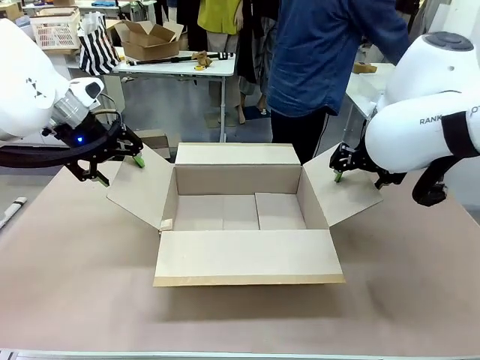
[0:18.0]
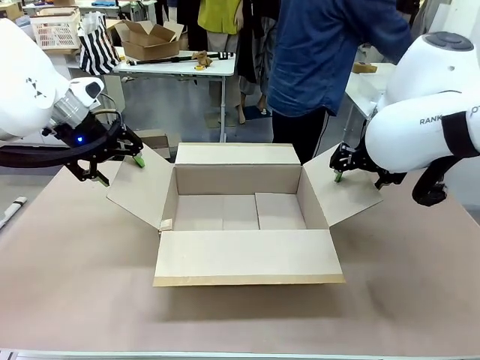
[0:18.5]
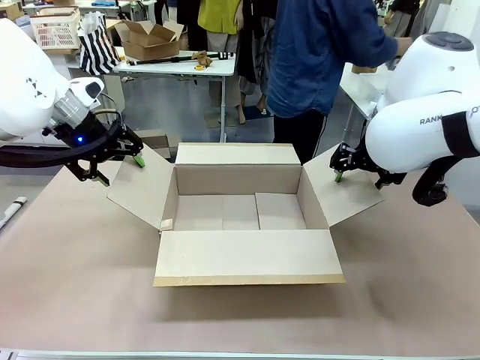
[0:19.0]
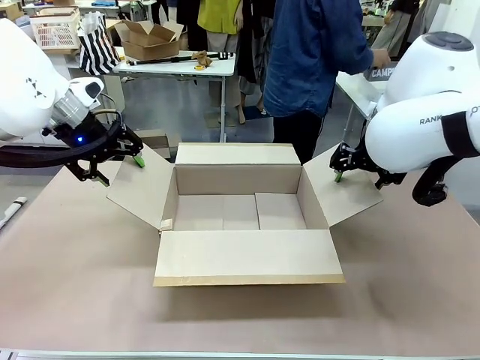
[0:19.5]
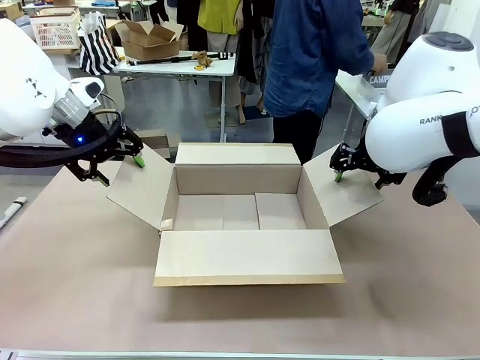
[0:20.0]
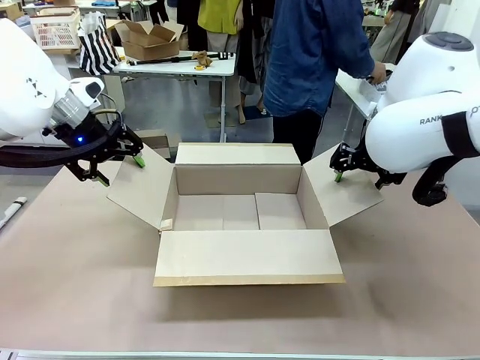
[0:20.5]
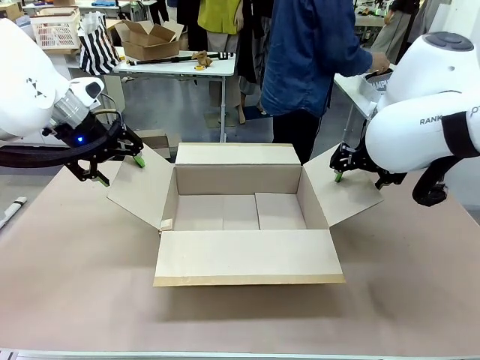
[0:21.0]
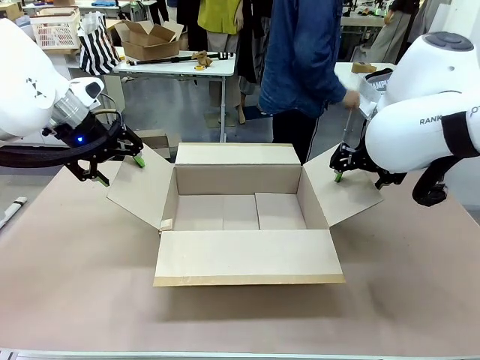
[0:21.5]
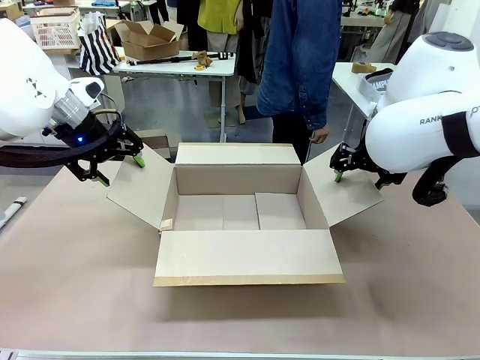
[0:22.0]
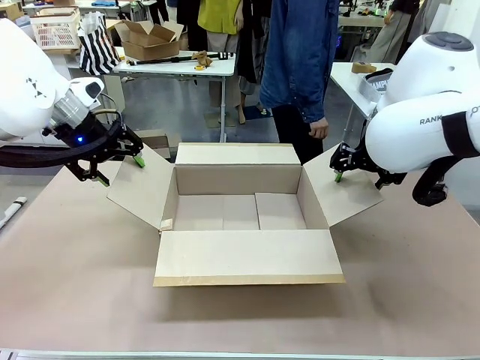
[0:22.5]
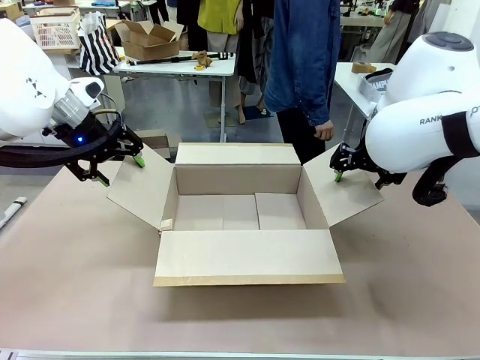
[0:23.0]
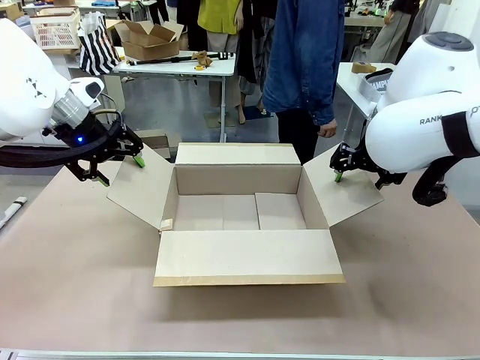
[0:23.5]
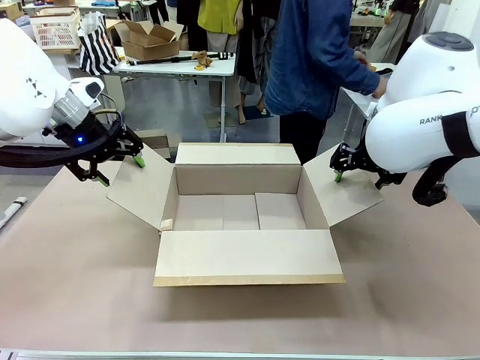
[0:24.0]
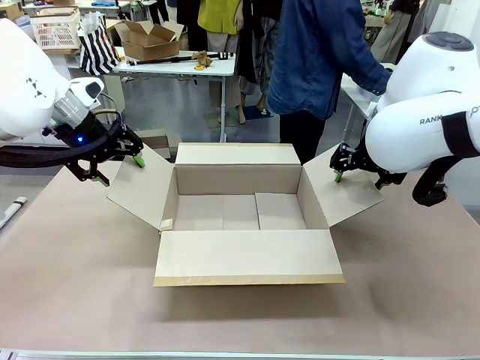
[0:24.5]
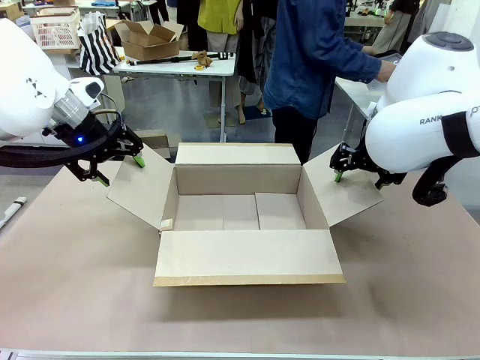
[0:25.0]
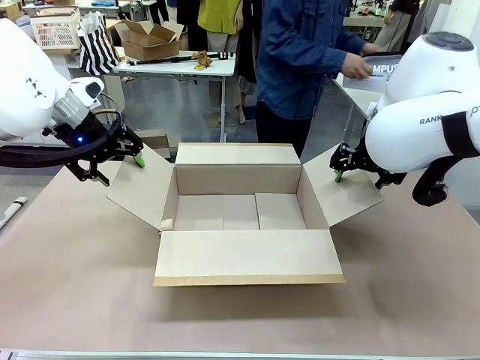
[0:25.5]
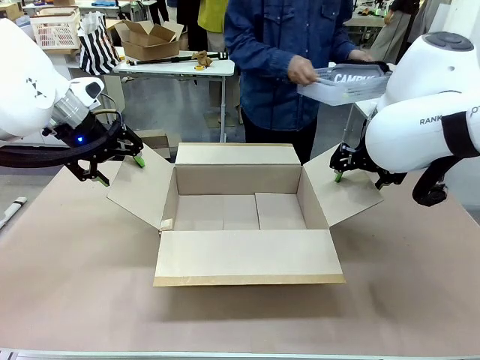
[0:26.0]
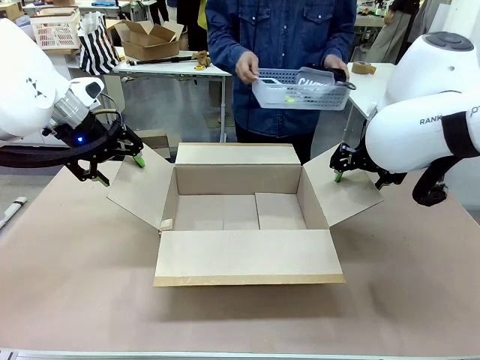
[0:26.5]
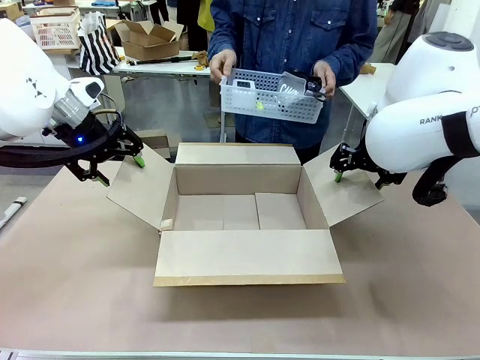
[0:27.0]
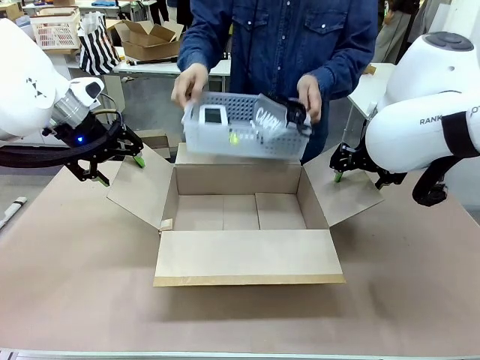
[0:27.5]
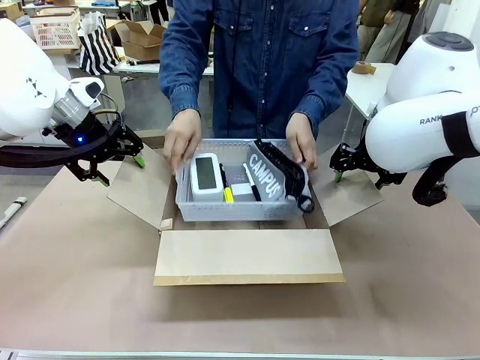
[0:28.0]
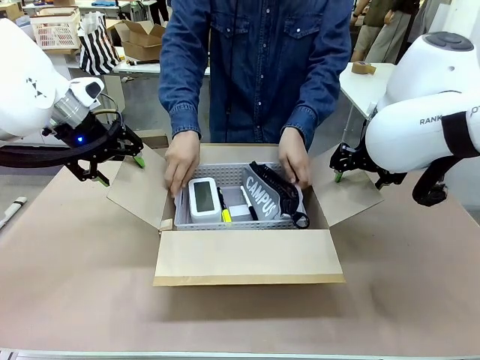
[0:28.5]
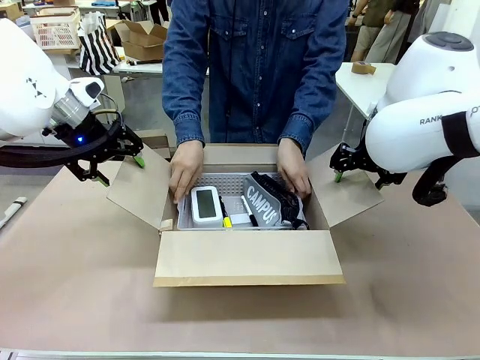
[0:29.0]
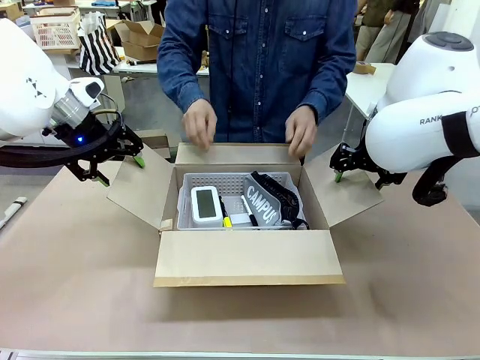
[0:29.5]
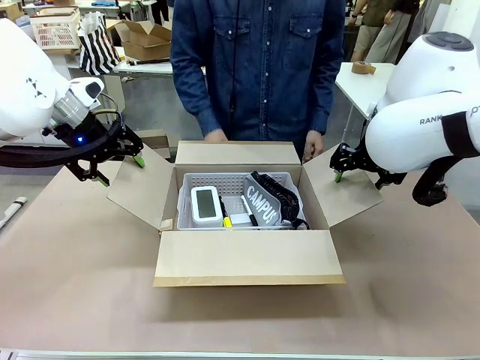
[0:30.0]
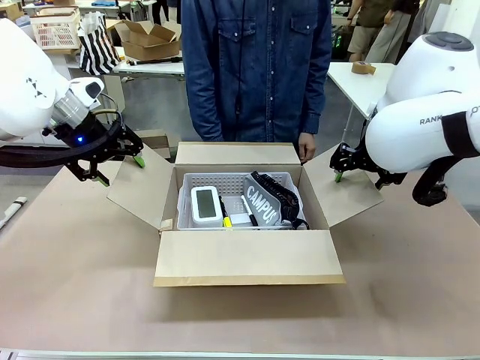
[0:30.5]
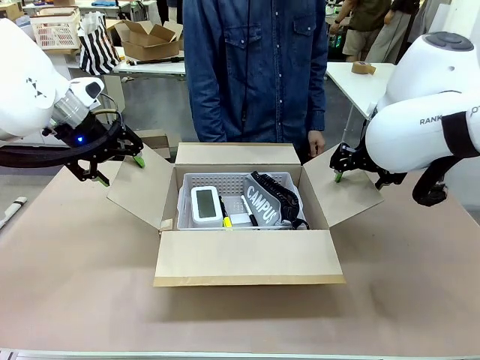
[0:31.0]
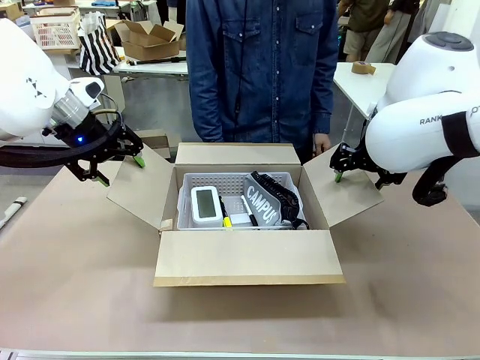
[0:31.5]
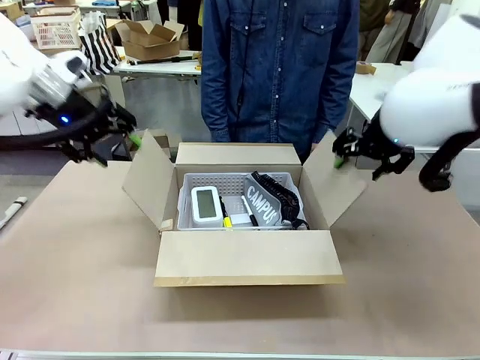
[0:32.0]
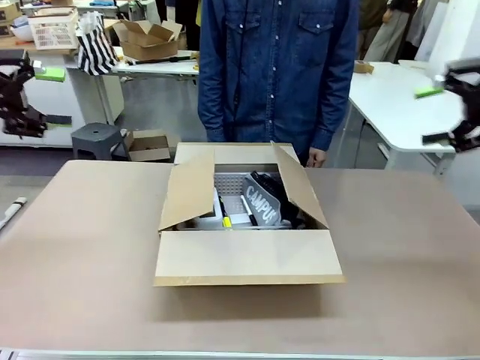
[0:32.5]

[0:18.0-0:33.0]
Task: Pack the gift set into the box.
Robot: Lift both hands away from the flaps of the Package Box.
Person: The human picks up the organizing basket and places the organizing basket into the package box on the robot table.

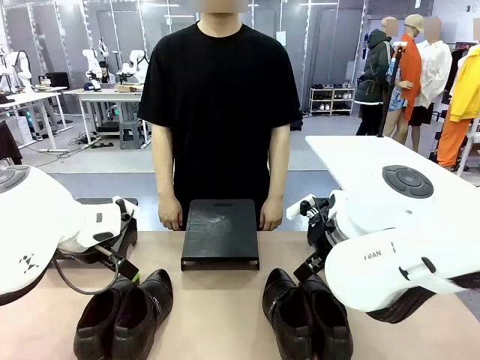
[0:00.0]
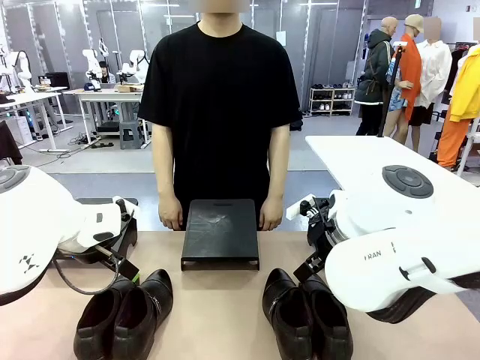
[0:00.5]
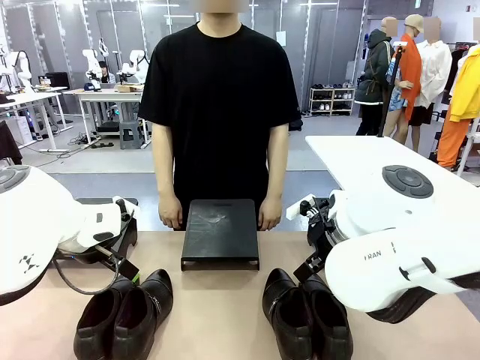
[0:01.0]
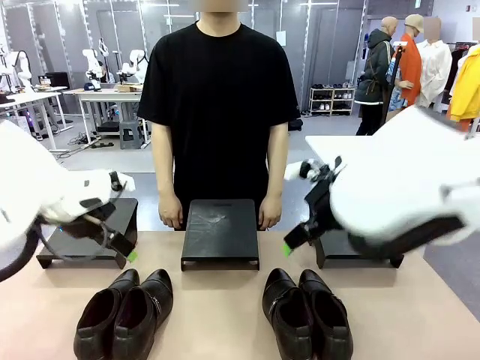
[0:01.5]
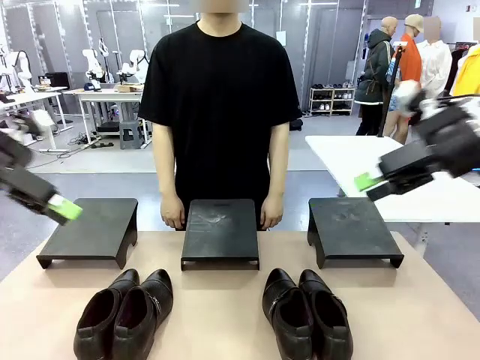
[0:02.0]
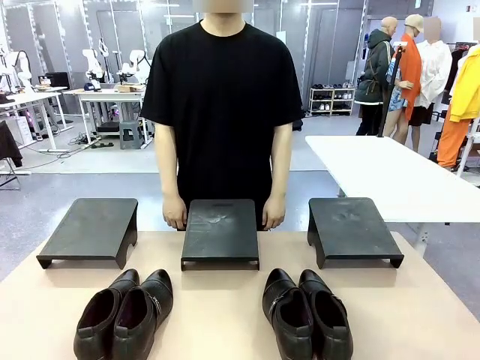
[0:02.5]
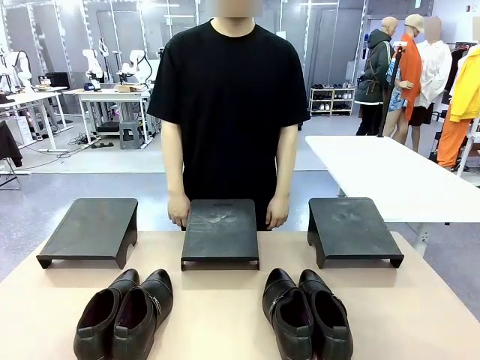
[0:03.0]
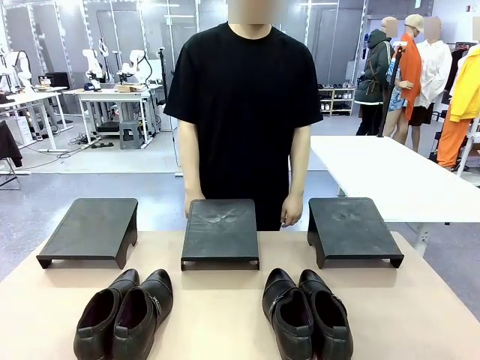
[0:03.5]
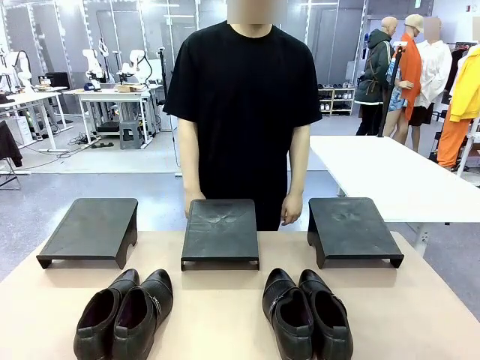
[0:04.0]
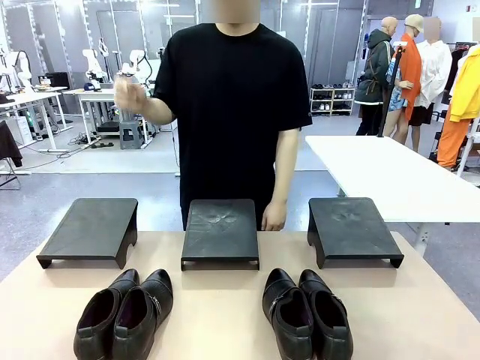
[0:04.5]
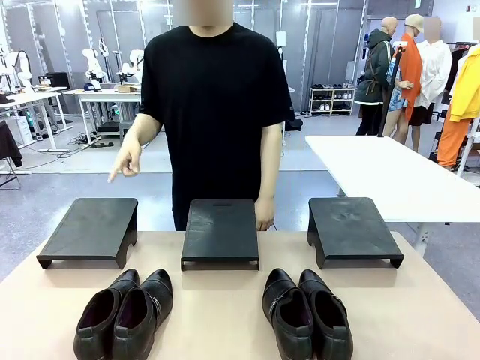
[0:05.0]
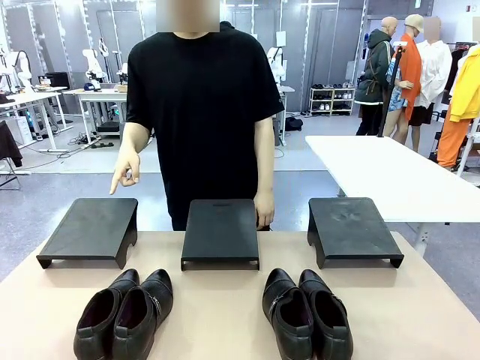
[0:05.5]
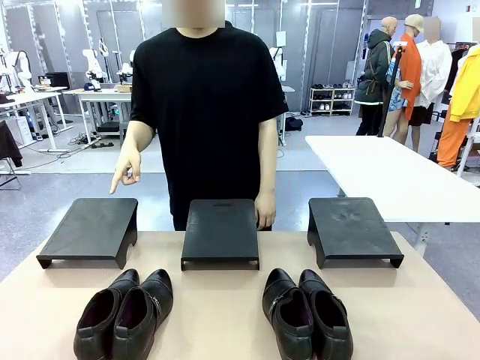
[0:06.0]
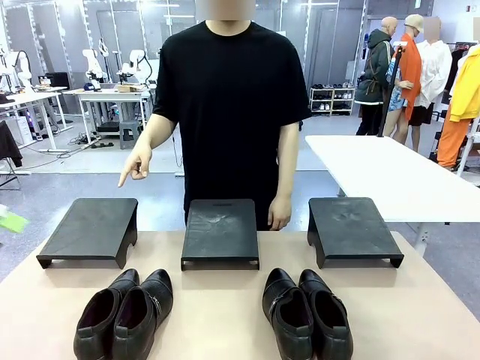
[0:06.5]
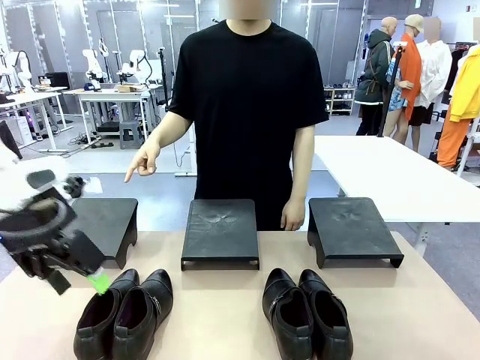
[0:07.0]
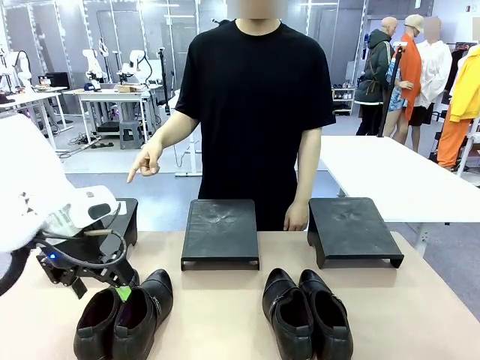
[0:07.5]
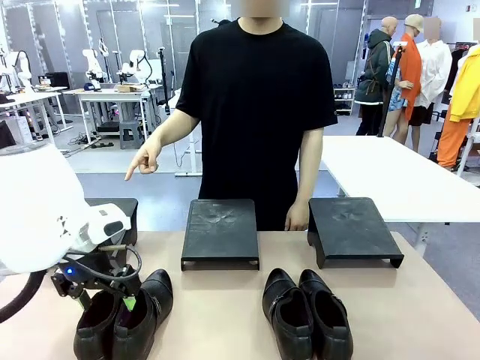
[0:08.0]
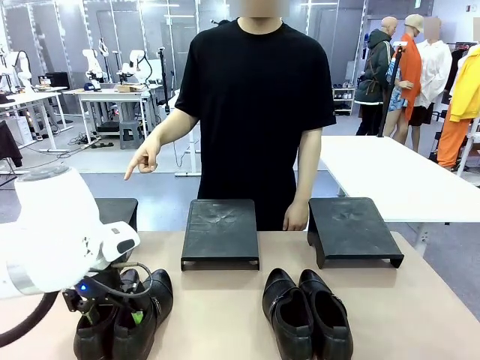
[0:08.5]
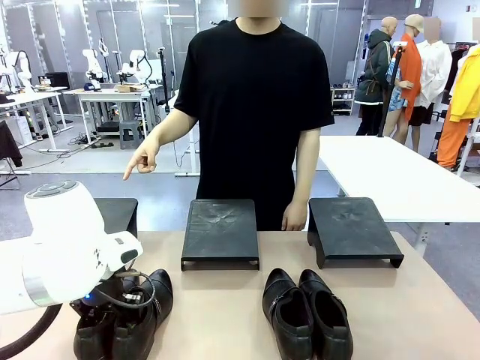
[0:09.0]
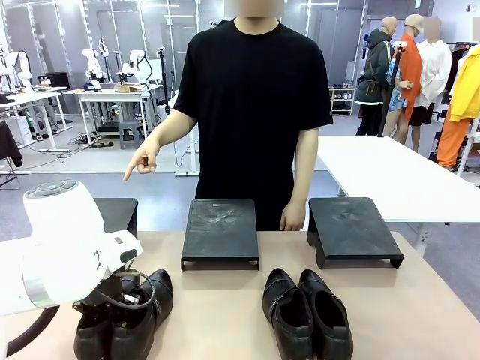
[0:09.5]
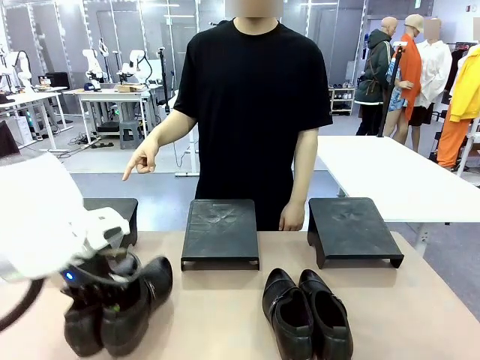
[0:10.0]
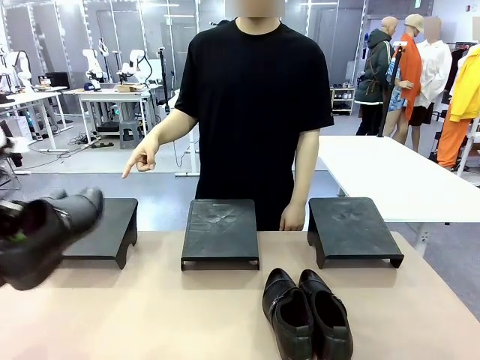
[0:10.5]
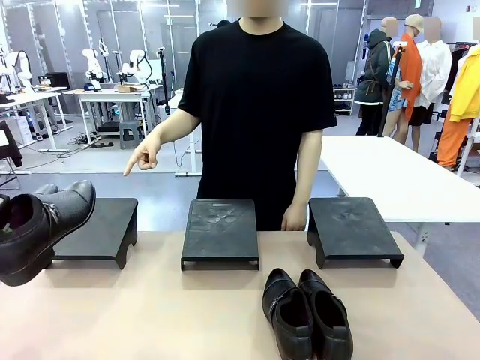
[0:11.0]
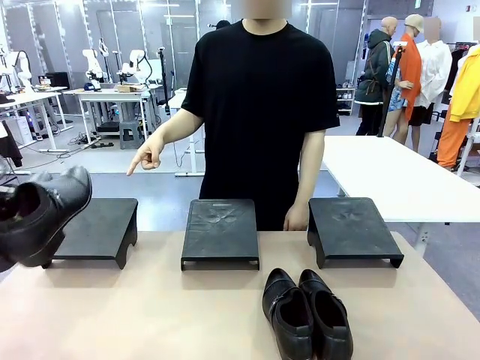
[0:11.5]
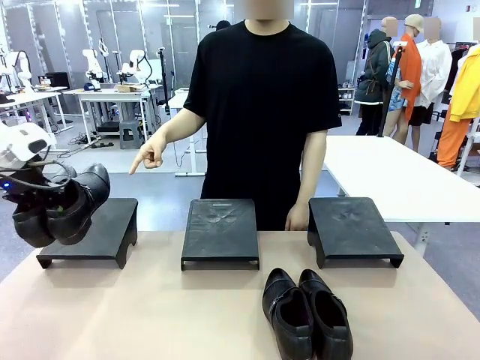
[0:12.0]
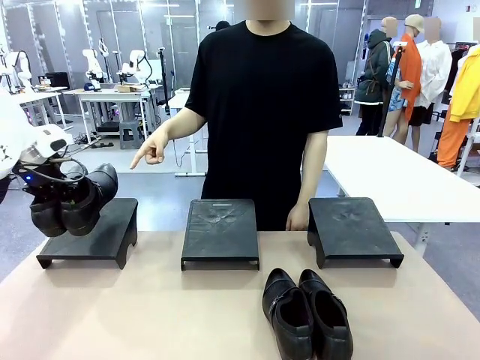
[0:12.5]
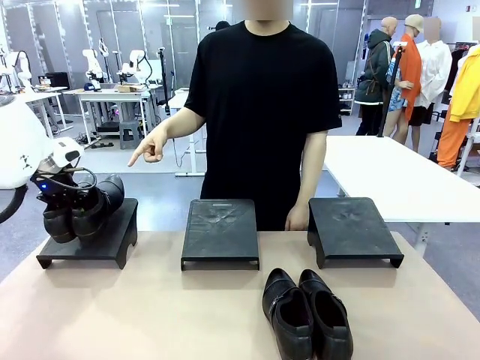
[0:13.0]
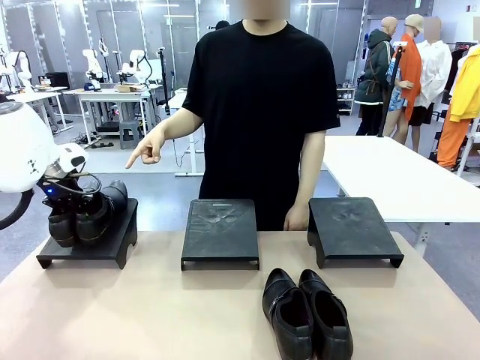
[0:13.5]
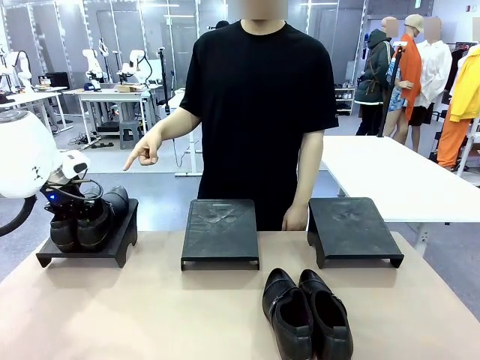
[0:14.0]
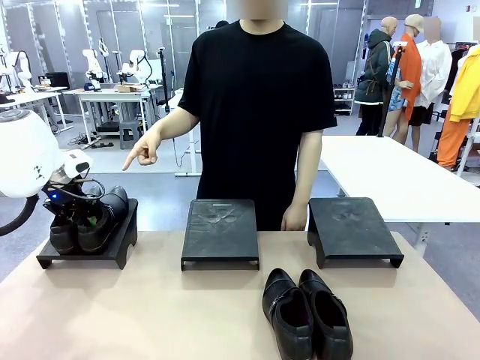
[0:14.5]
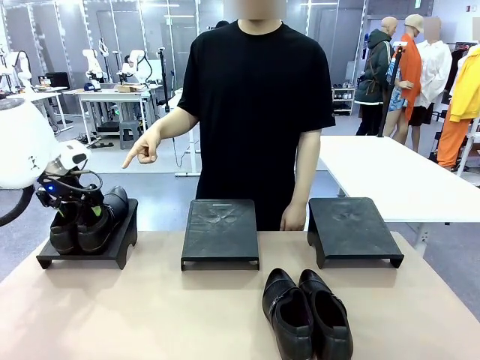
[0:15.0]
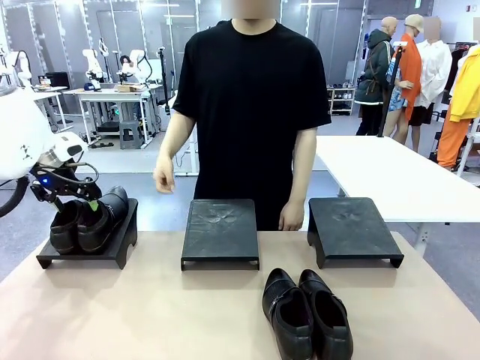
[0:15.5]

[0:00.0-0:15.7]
Task: Place the shoes on the stand as instructed by the person.
Robot: Pick up one pair of Shoes and place it on the Shoes Stand indicated by the person.
